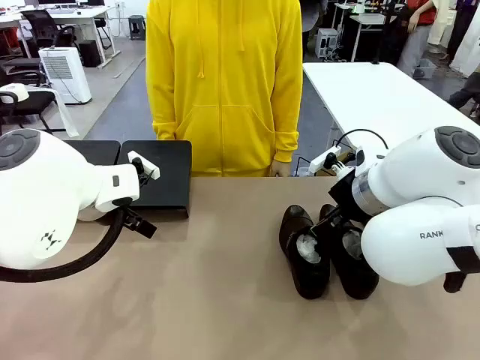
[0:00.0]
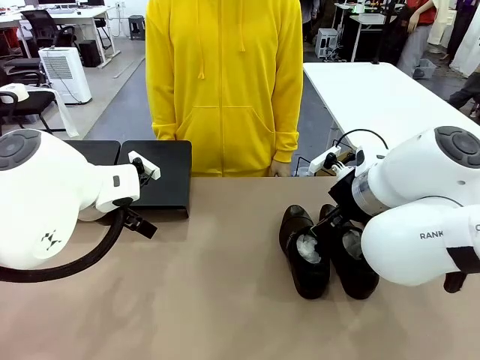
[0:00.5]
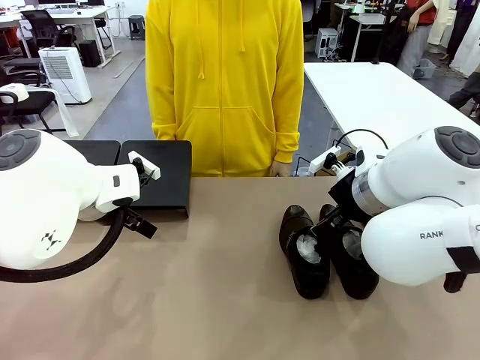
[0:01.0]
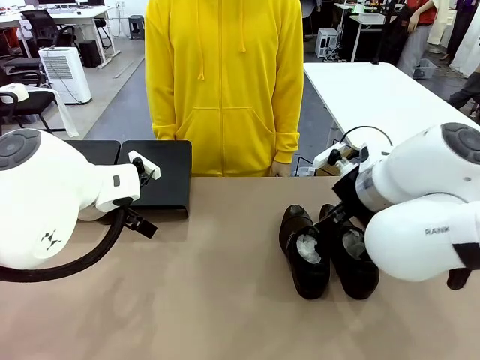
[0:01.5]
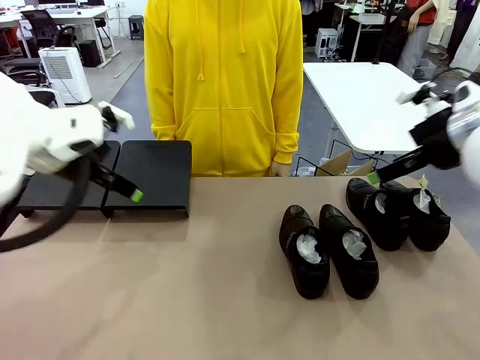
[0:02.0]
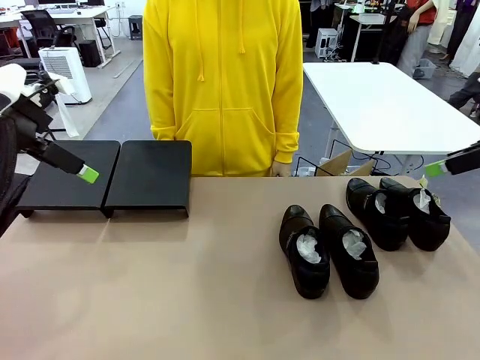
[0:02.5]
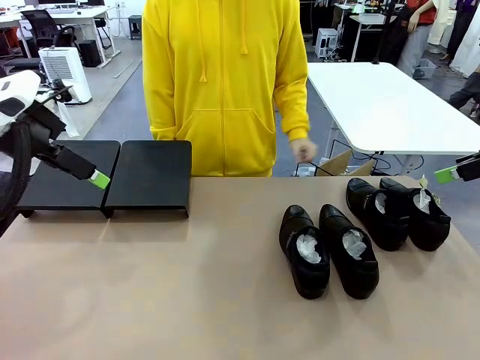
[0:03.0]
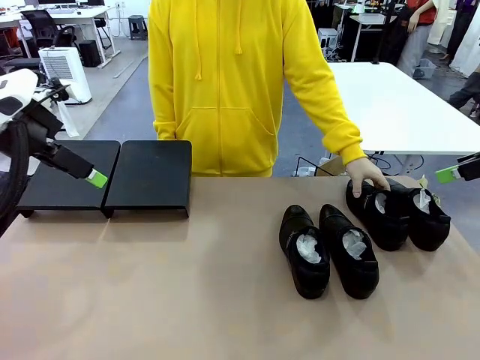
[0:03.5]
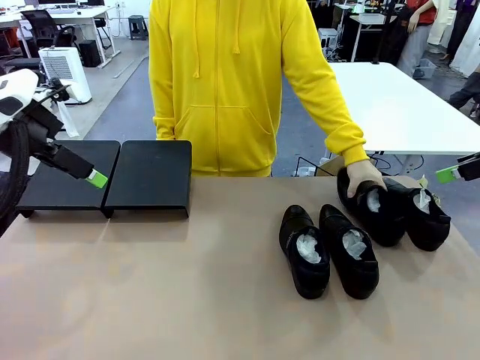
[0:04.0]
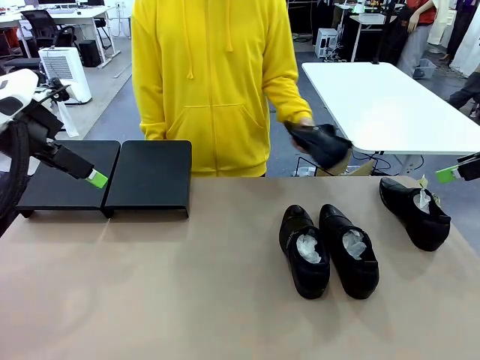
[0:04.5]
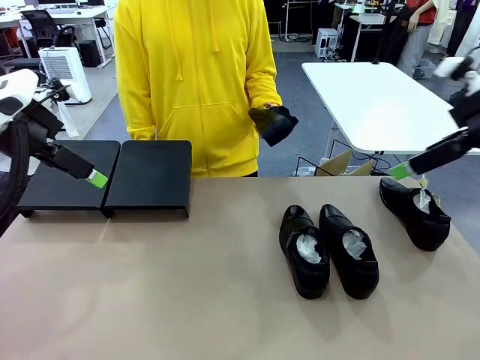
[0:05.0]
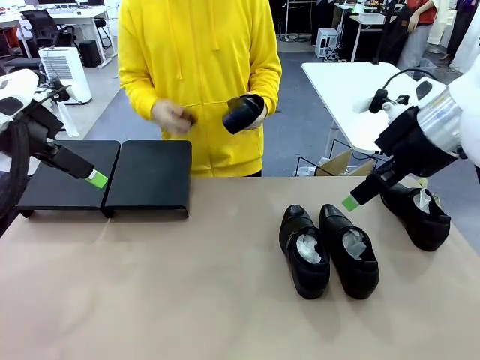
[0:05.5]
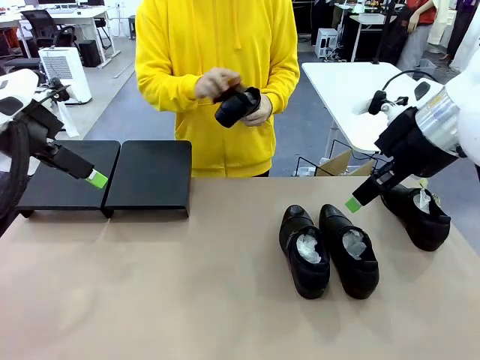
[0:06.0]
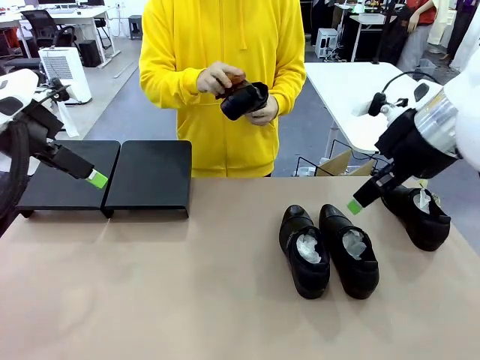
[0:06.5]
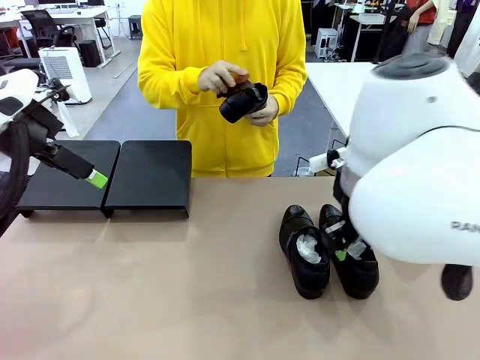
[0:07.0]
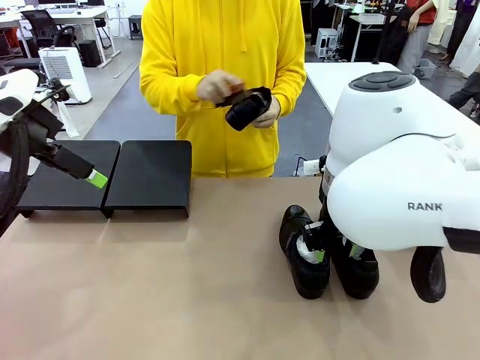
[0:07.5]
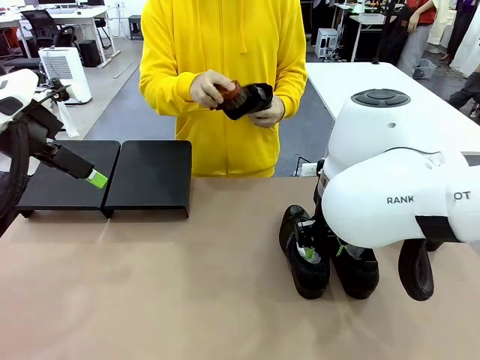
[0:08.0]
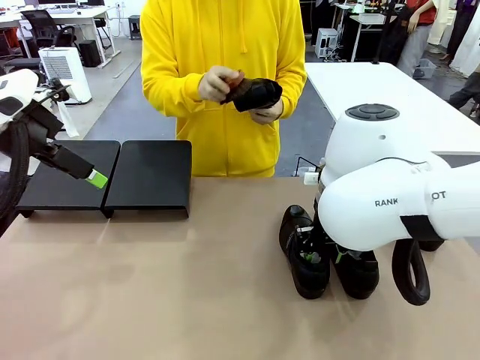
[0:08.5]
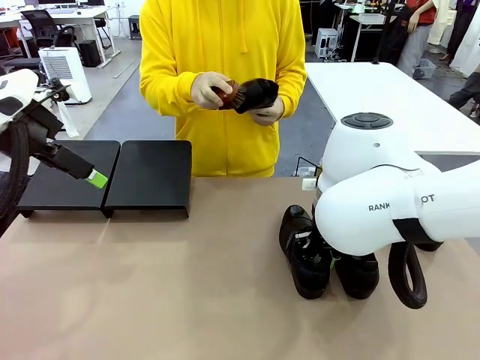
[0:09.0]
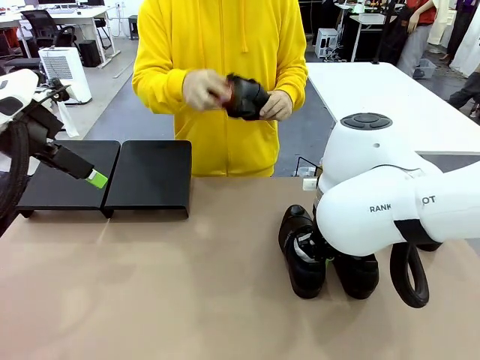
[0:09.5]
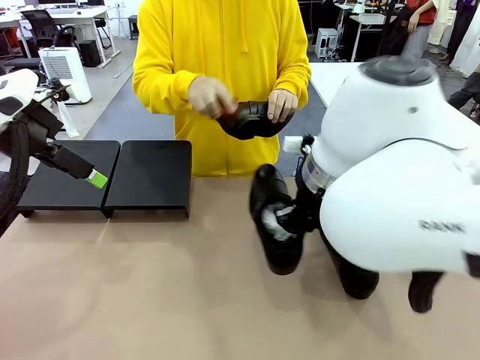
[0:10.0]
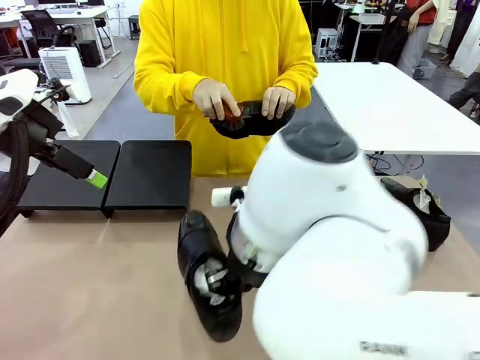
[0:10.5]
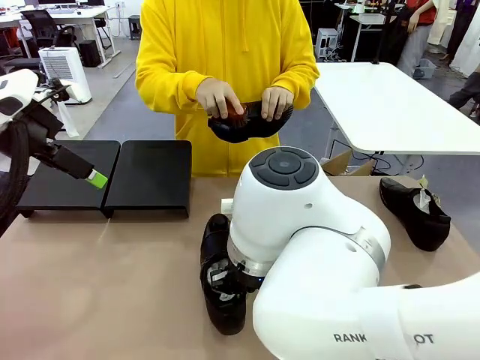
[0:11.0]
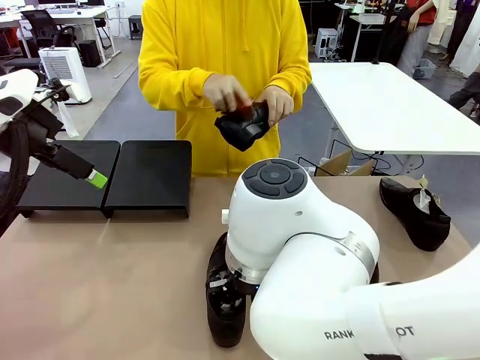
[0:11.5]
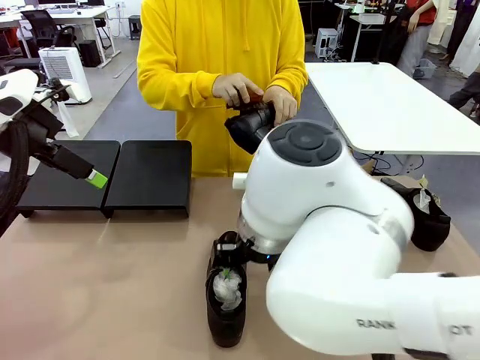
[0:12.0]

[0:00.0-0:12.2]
Task: Organize the shoes by placing them on the stand.
Robot: Pick up one Shoe and place it in the middle of the table.
Person: Pick one Shoe on Robot's table.

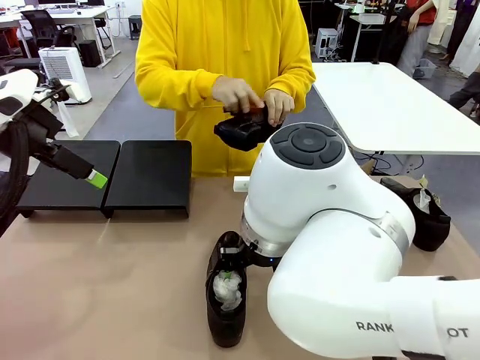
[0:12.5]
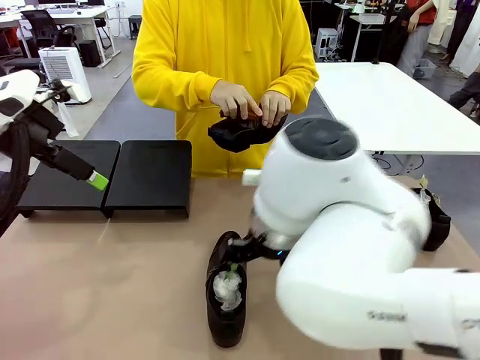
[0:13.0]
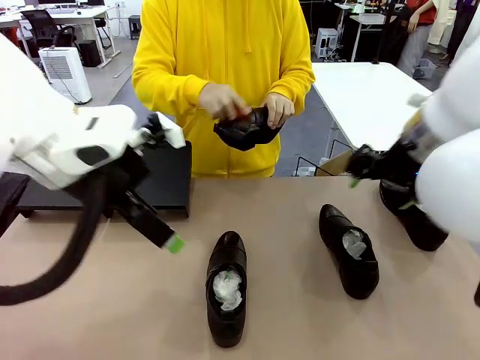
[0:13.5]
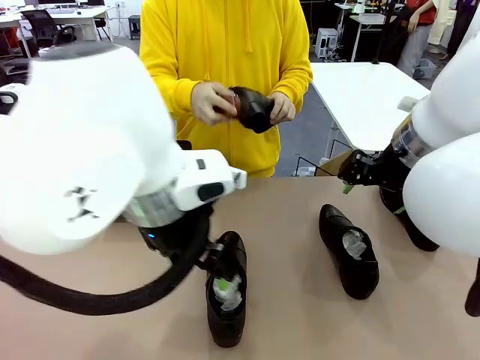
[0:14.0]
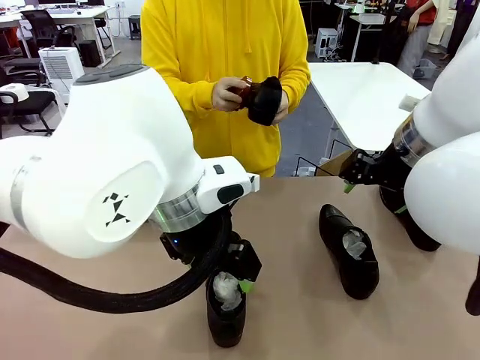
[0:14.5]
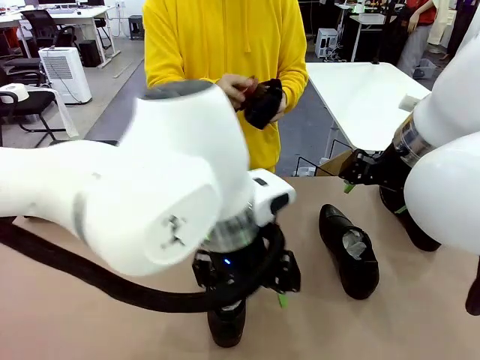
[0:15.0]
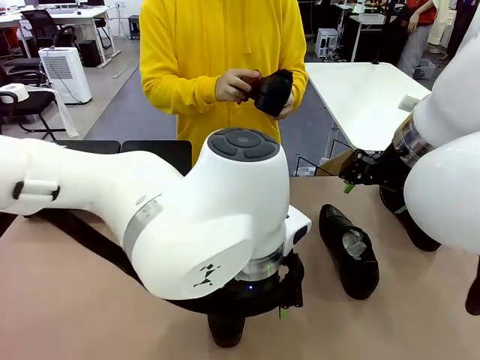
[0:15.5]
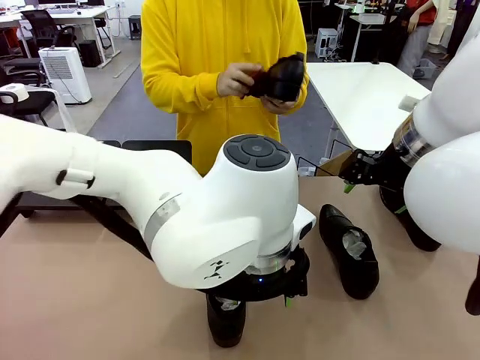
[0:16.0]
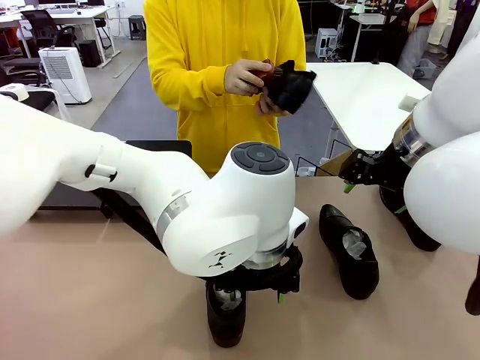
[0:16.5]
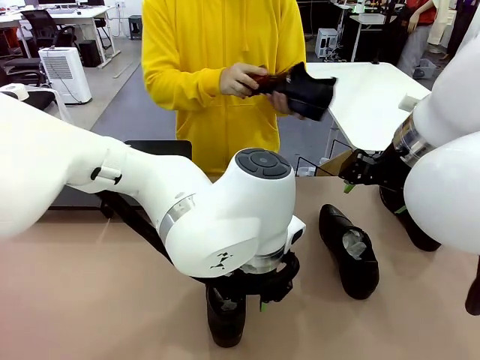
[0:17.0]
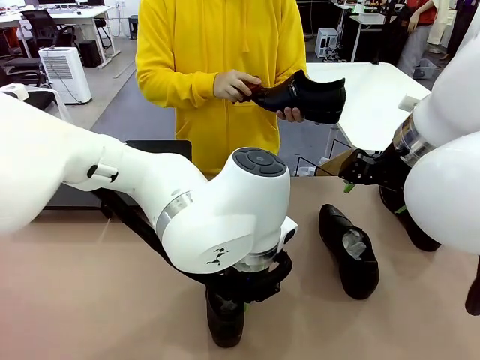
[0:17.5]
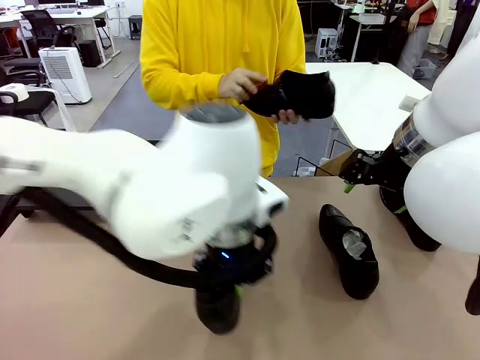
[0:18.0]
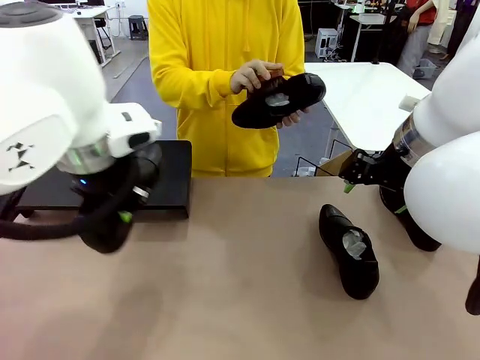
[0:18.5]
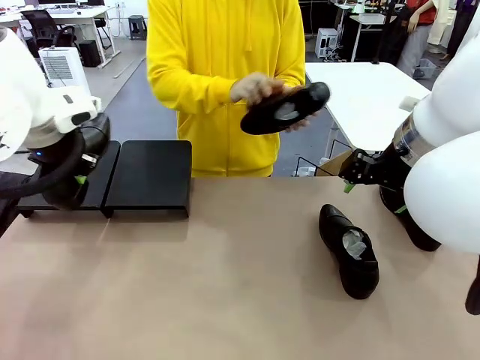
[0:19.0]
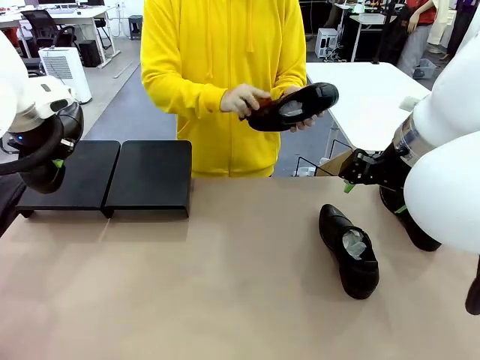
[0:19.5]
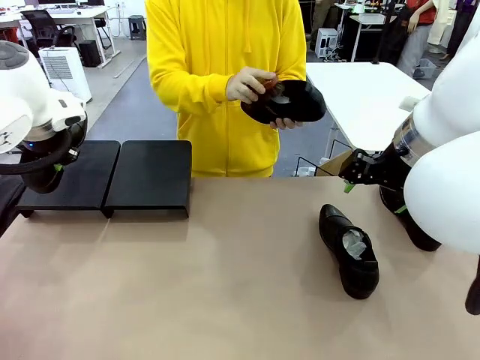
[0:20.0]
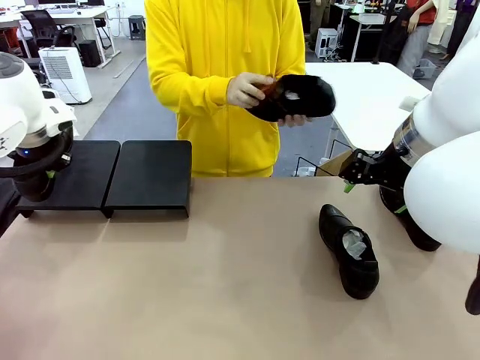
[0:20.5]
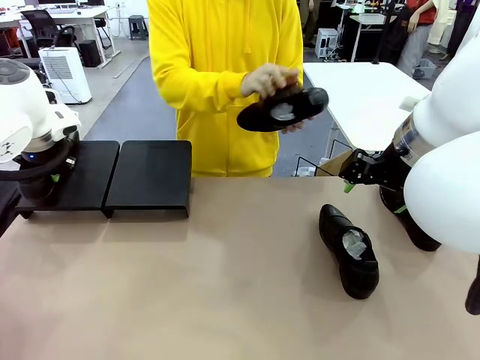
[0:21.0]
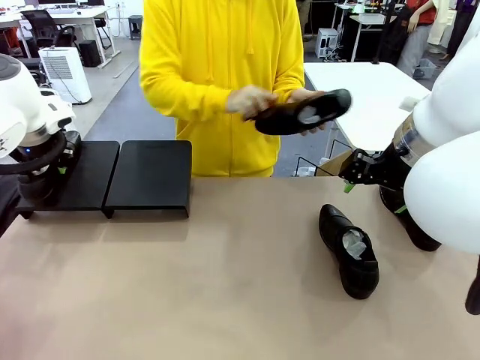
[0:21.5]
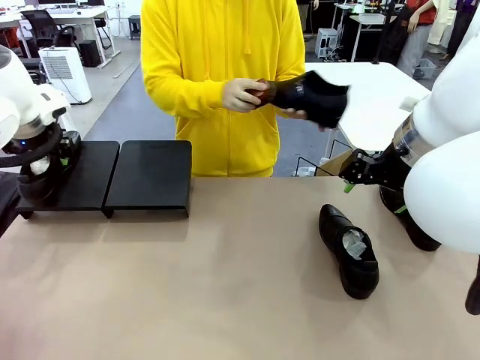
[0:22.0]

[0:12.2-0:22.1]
Robot: Place the Shoe from the middle of the table onto the Shoes Stand.

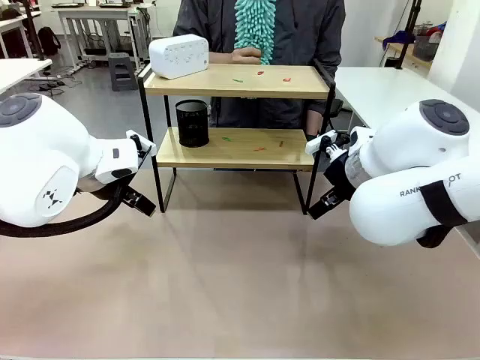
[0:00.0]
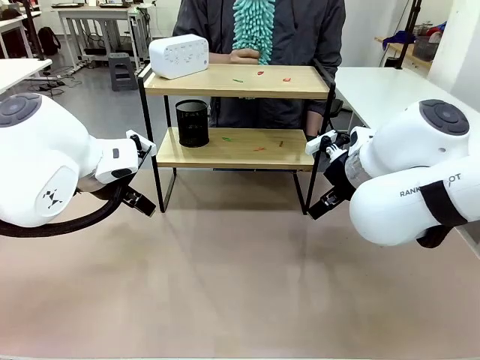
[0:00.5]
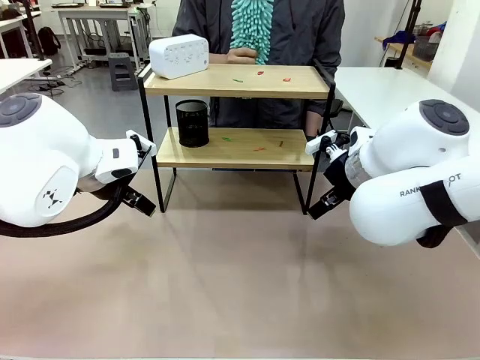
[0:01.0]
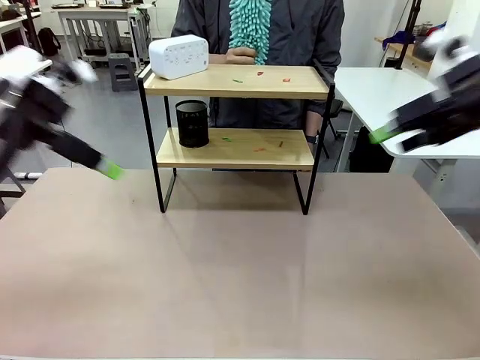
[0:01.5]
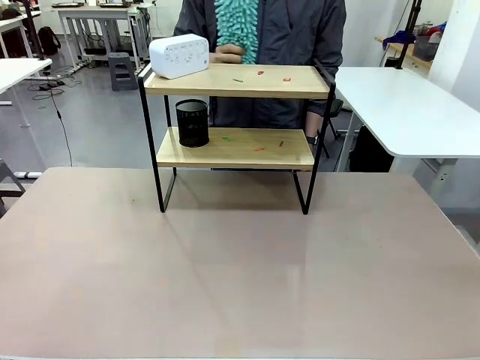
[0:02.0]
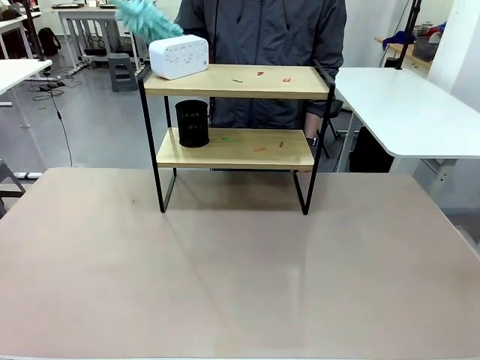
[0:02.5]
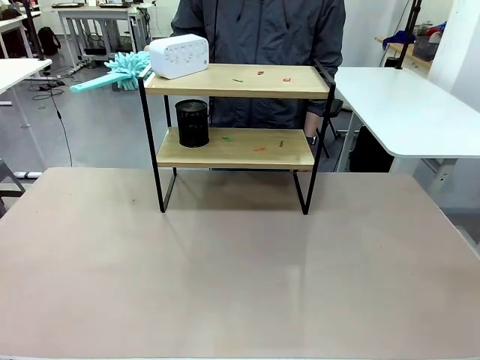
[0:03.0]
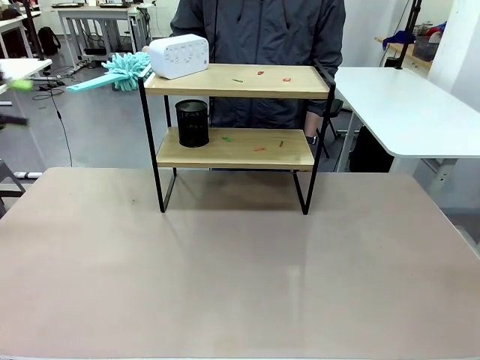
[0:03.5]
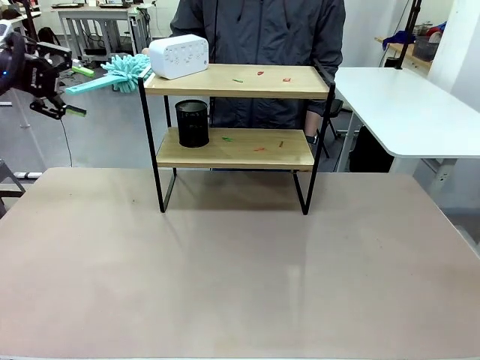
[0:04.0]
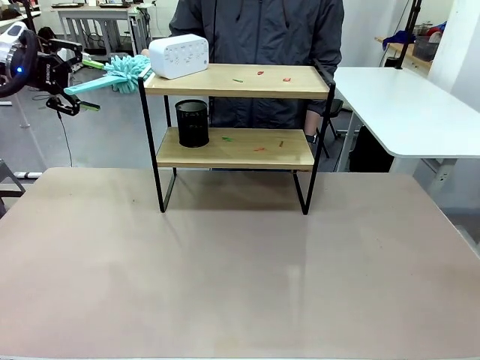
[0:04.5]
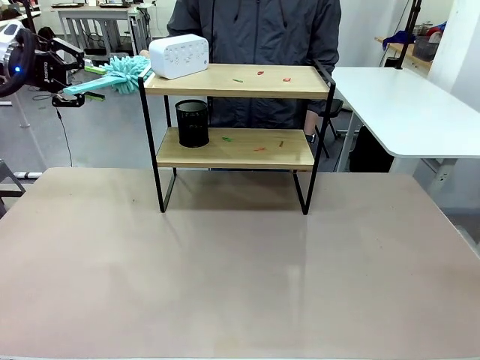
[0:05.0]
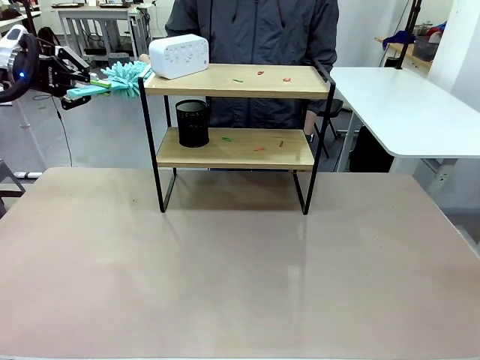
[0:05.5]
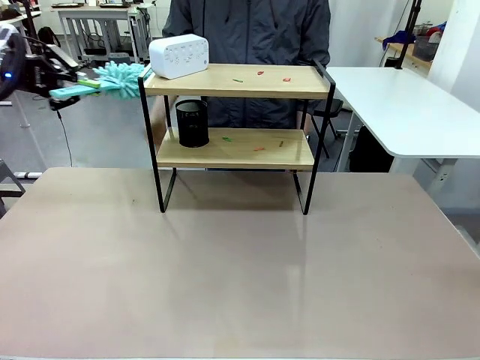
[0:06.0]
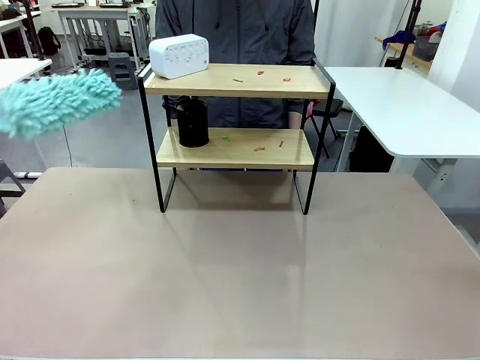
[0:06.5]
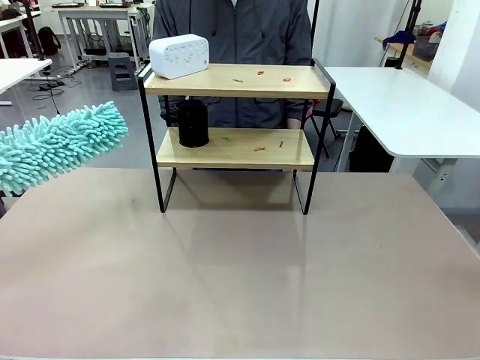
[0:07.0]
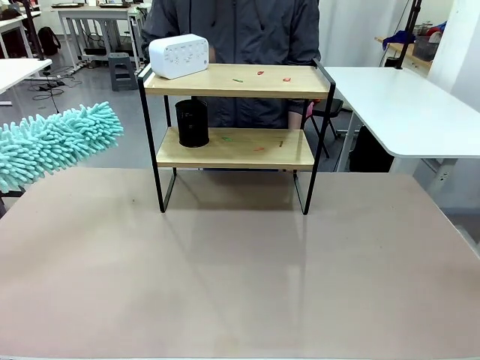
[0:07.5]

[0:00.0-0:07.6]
Task: Clean the shelf.
Robot: Pick up the Duster from the human.
Person: Hand the Duster to the robot.
